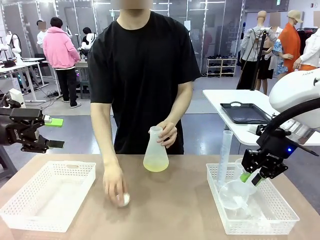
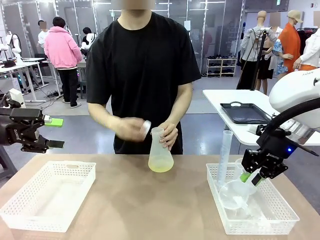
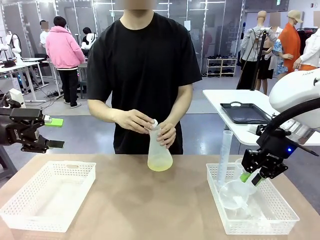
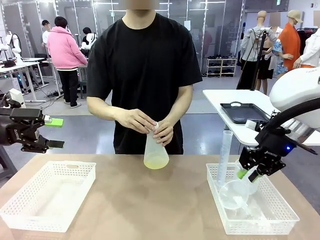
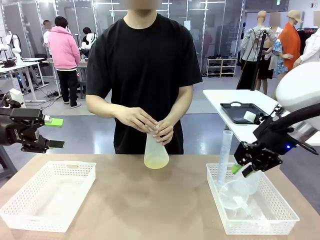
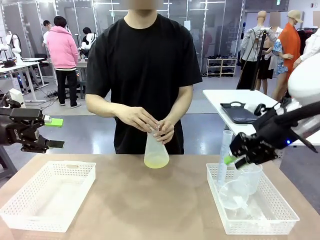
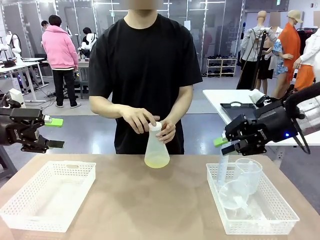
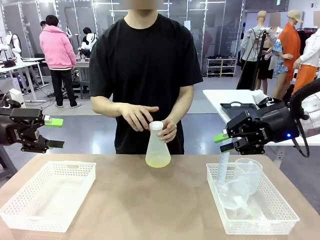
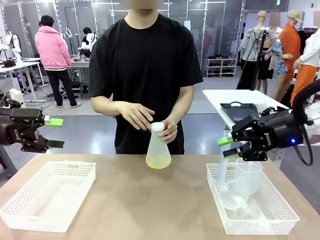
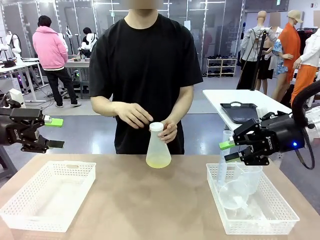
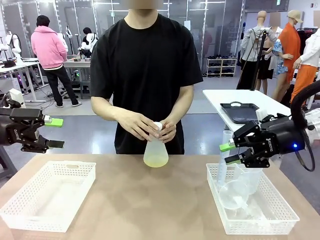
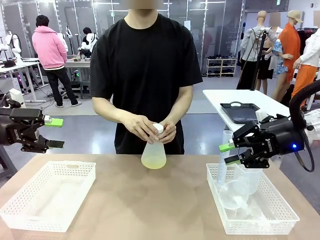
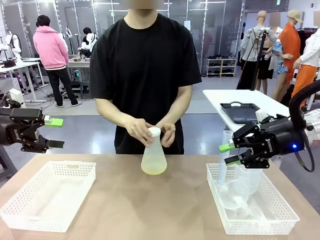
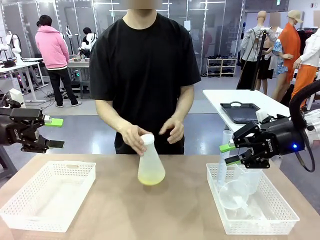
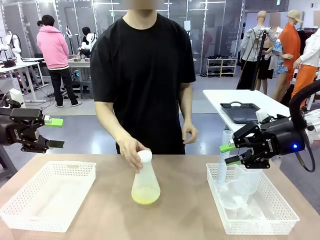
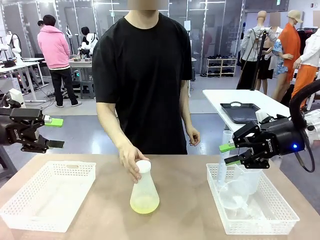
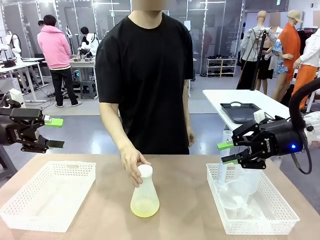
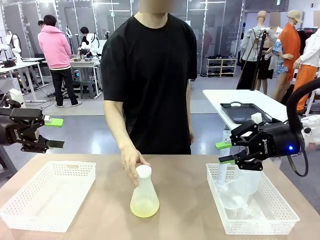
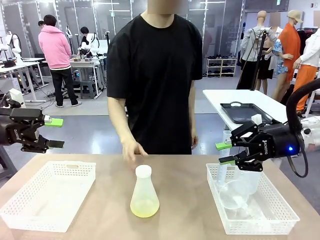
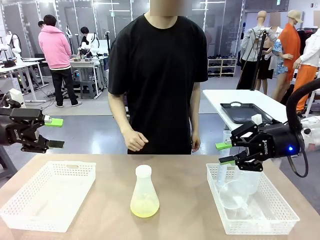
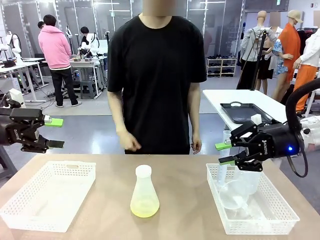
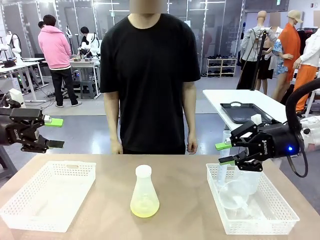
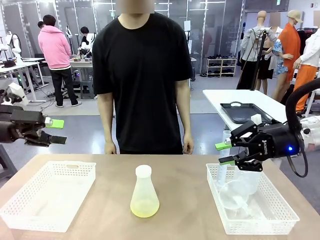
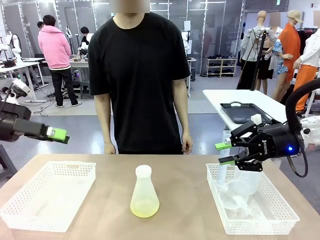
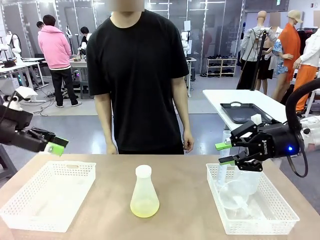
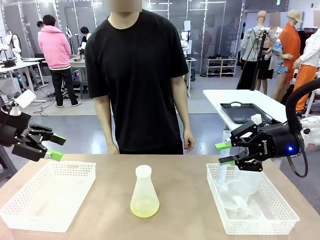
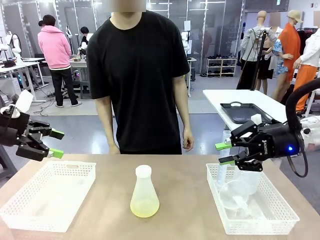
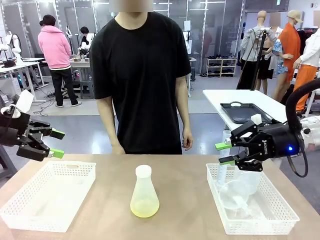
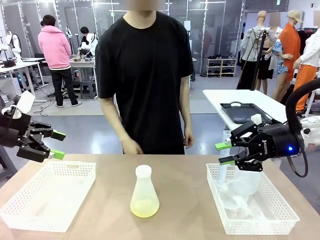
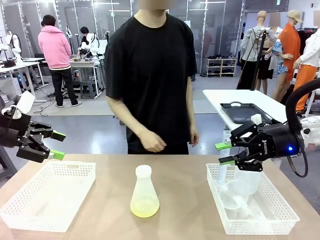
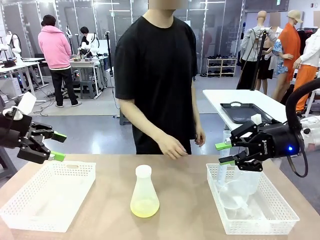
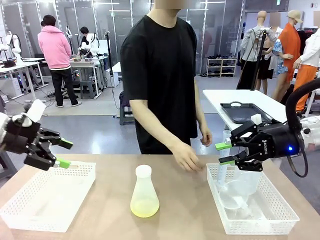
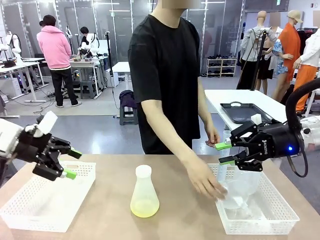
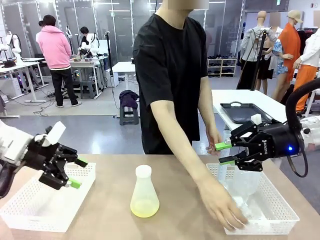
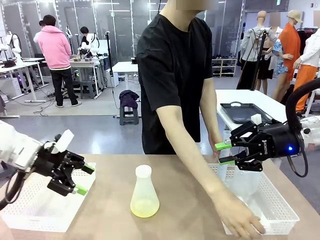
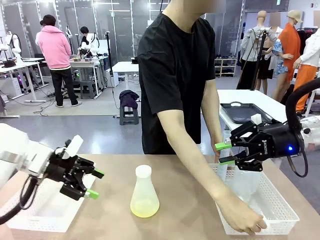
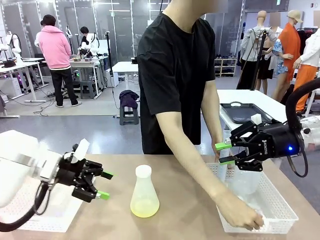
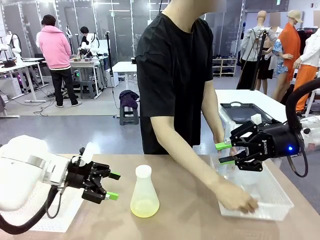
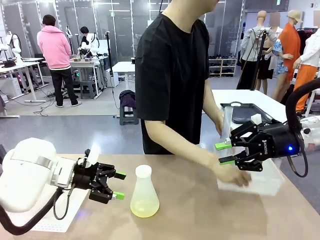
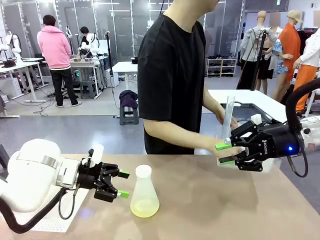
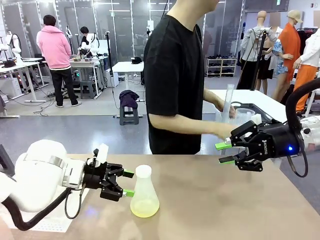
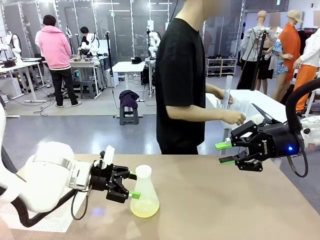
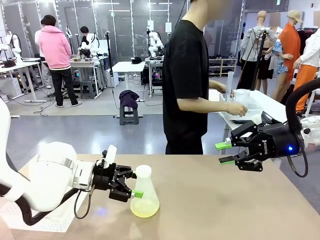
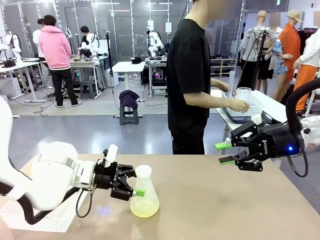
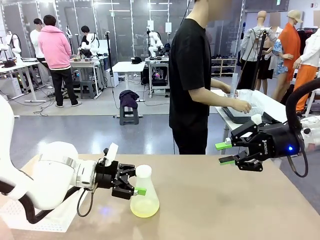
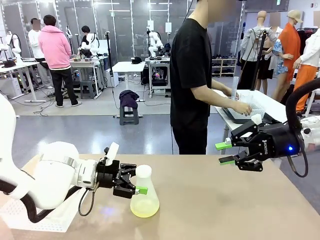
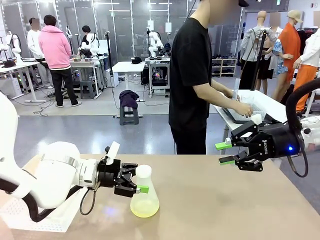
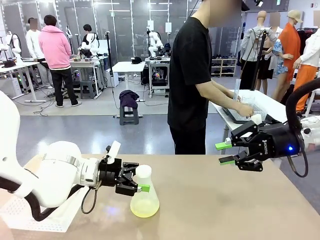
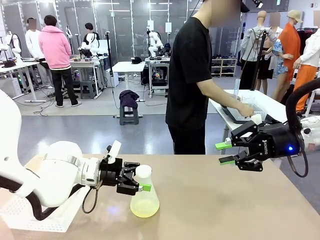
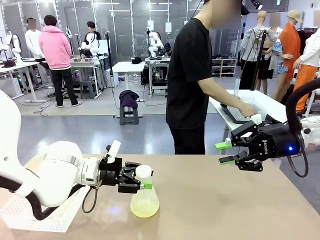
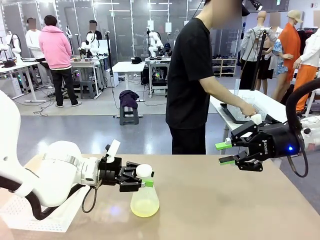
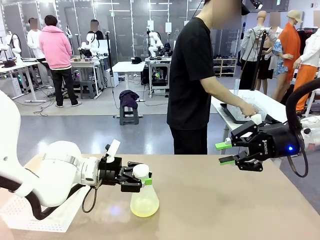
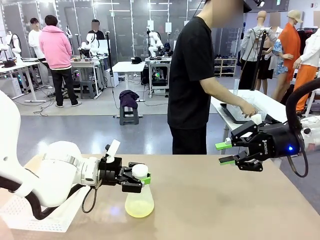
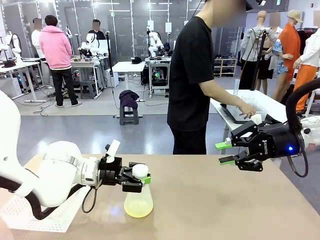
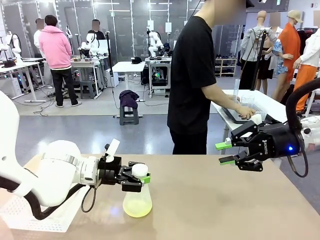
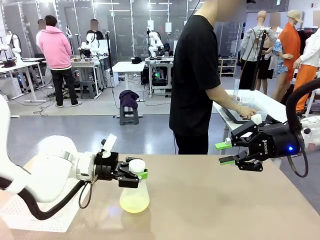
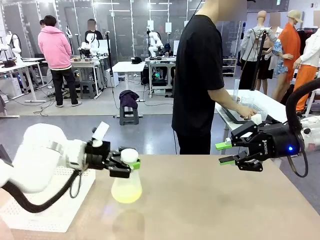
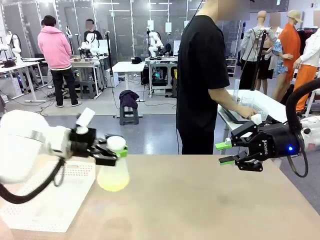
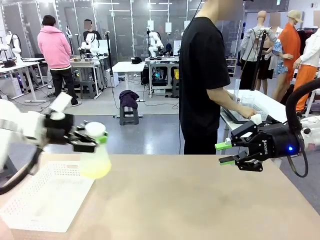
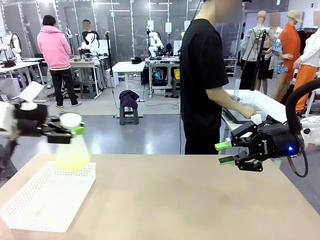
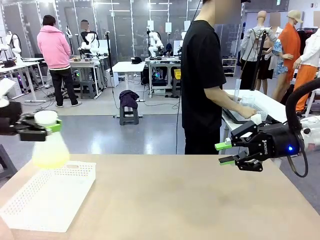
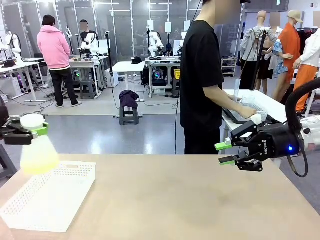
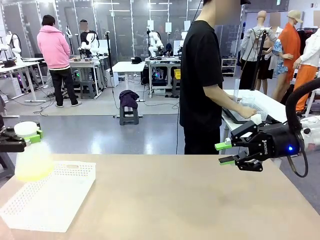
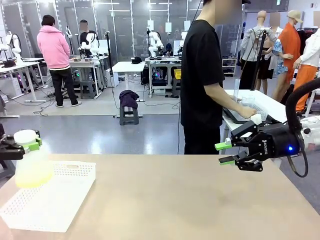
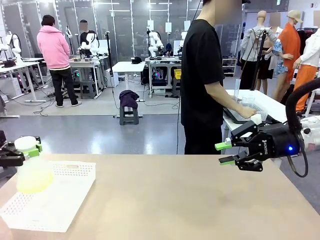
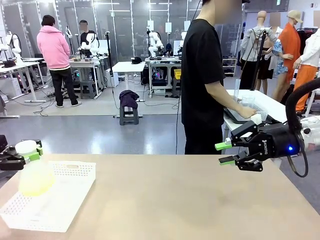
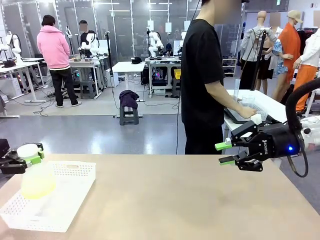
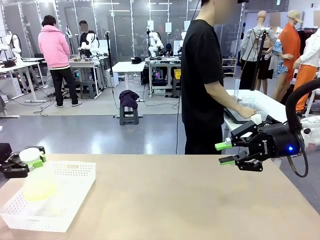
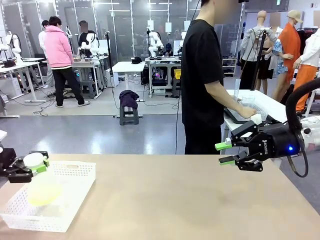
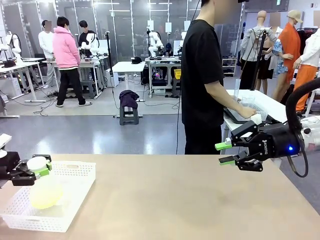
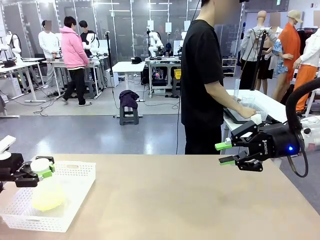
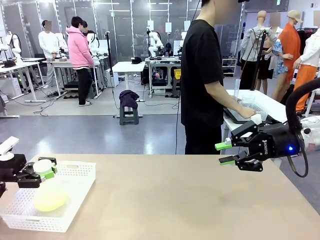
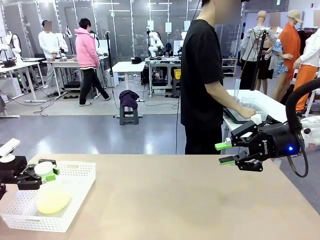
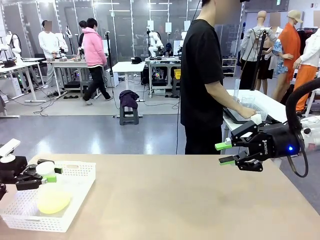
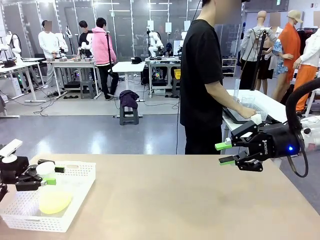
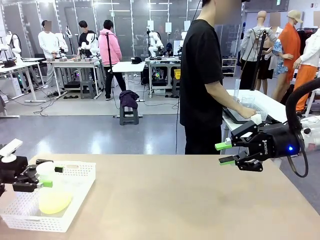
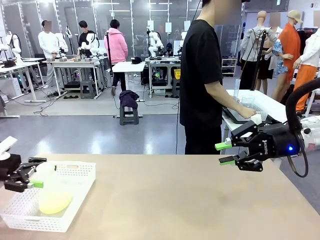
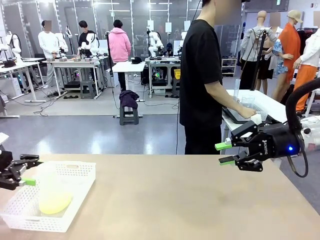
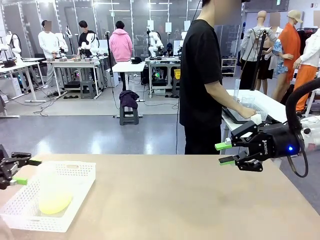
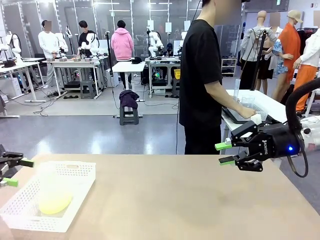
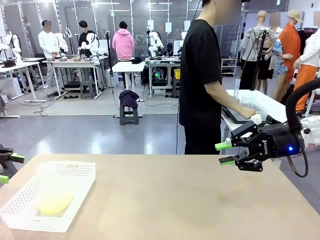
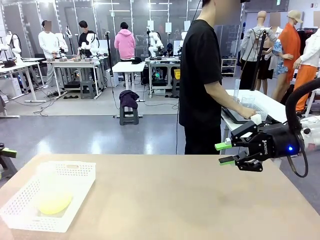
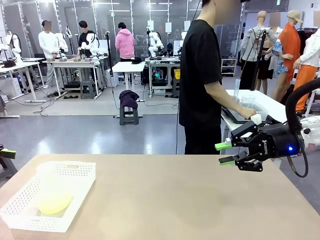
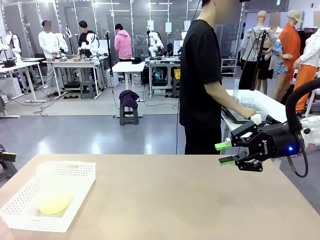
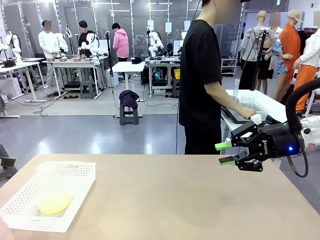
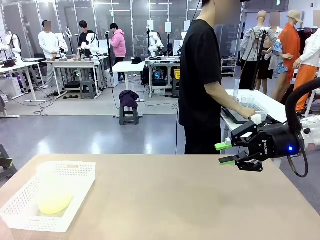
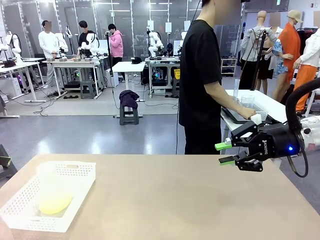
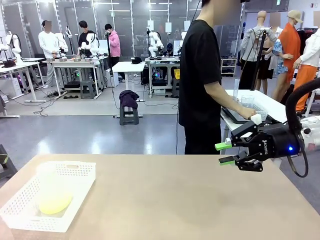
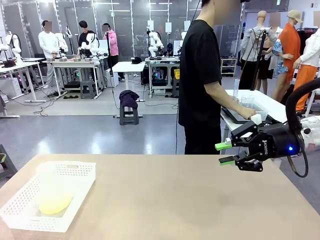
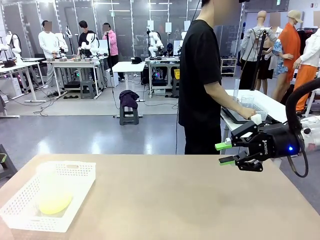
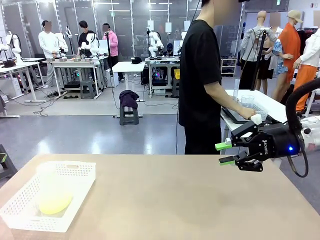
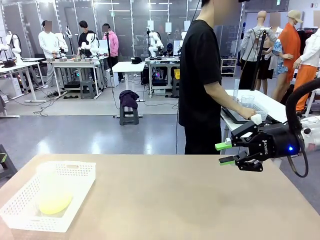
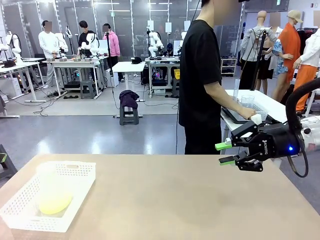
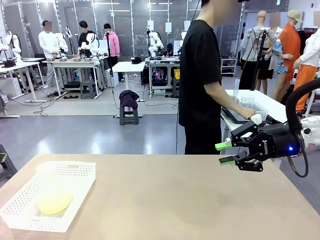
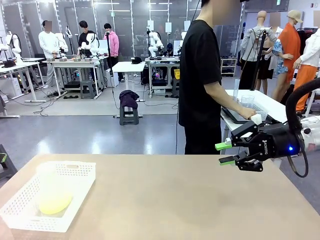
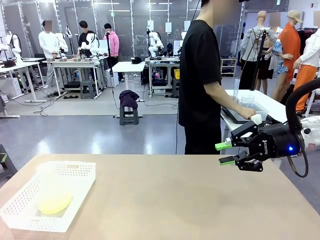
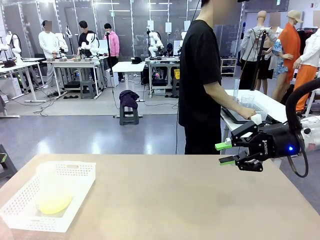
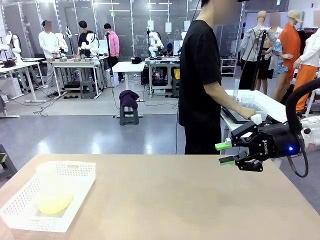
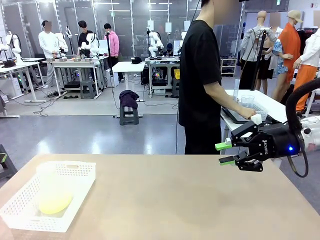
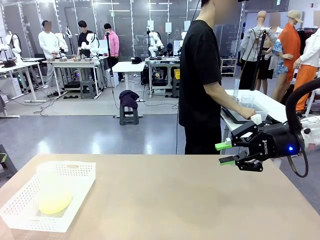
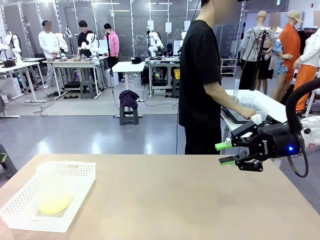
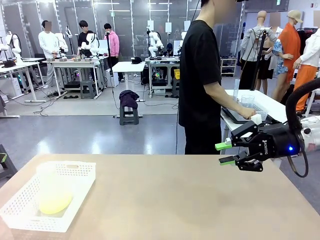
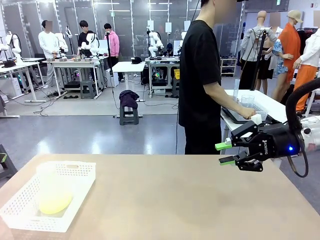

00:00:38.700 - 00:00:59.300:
Task: Prepare the solutions needed for the experiment.
Robot: When the human places the Big flask in the center of the table, pick up the Big flask and place it in the left Organizing basket.
Person: Pick up the organizing basket on the left side of the robot table and place it on the left side of the human table.
